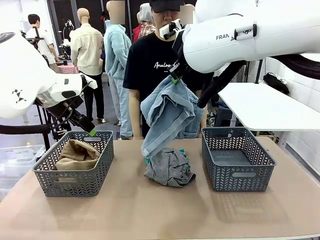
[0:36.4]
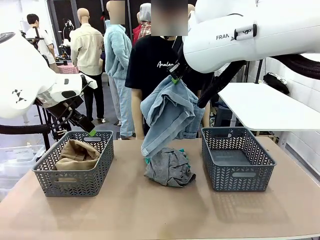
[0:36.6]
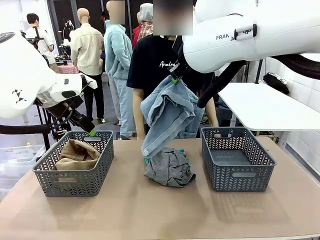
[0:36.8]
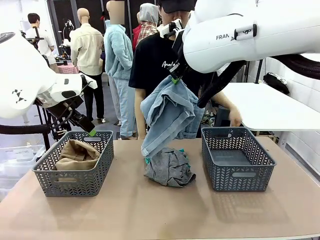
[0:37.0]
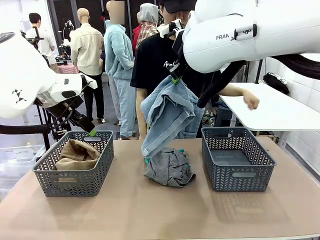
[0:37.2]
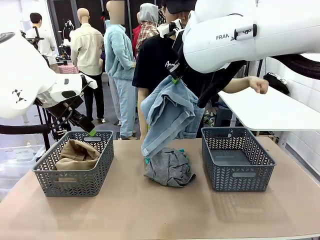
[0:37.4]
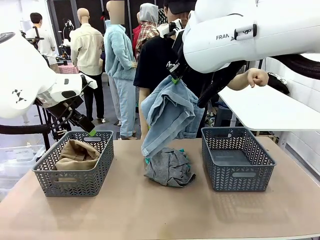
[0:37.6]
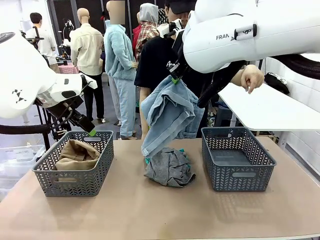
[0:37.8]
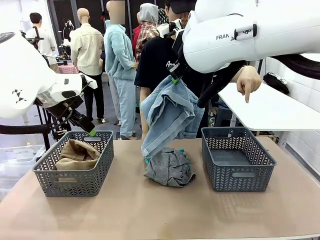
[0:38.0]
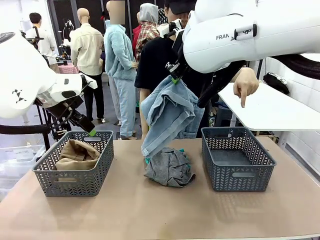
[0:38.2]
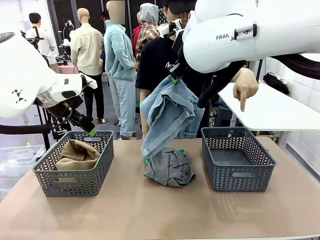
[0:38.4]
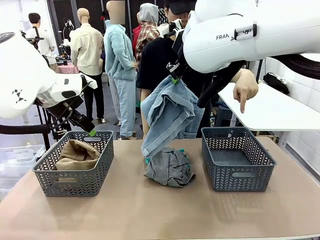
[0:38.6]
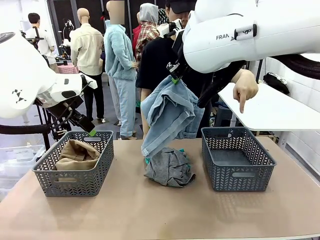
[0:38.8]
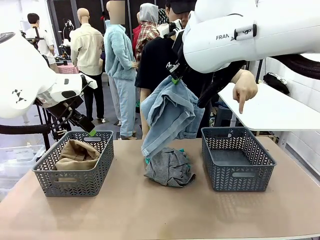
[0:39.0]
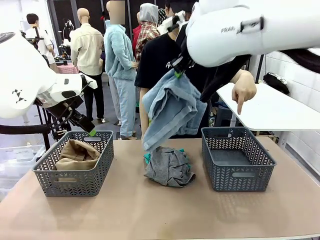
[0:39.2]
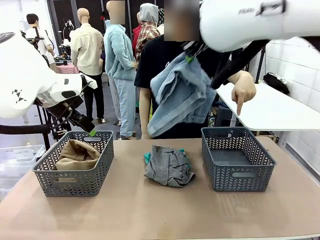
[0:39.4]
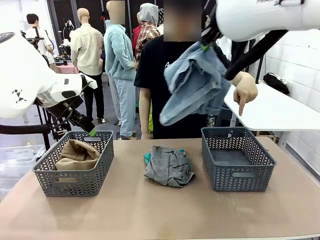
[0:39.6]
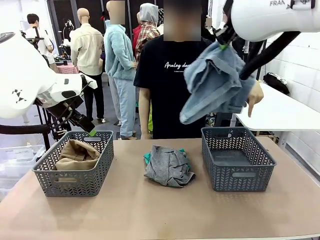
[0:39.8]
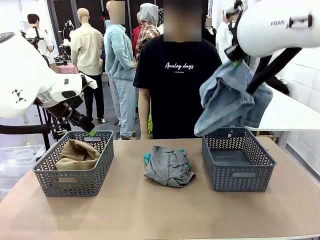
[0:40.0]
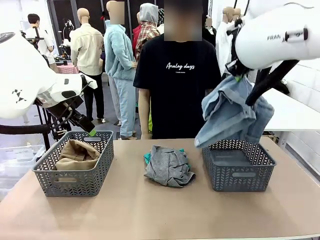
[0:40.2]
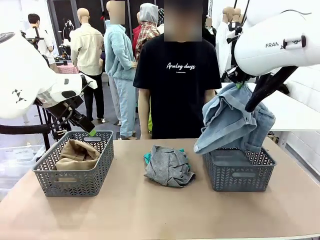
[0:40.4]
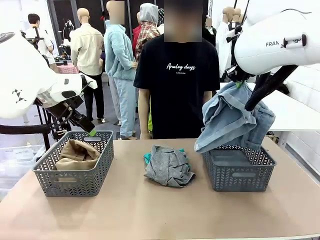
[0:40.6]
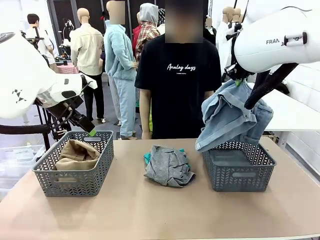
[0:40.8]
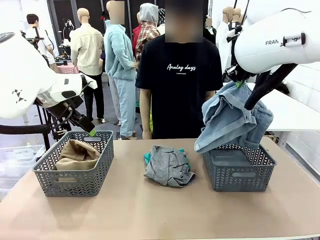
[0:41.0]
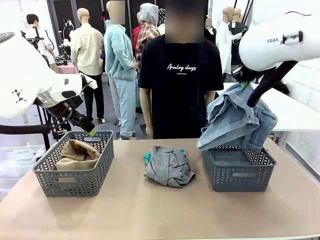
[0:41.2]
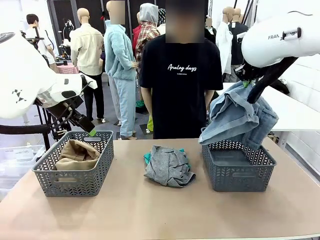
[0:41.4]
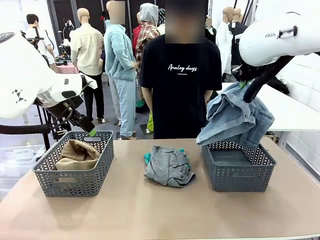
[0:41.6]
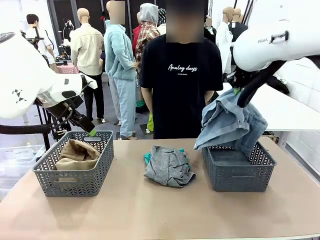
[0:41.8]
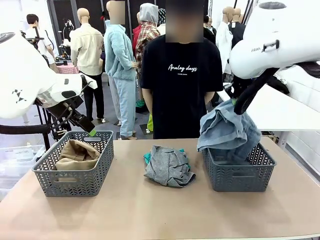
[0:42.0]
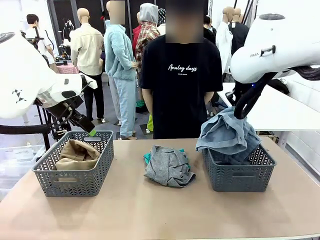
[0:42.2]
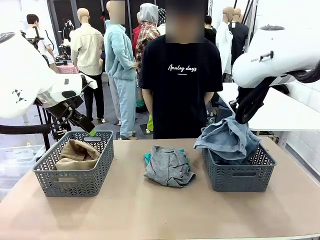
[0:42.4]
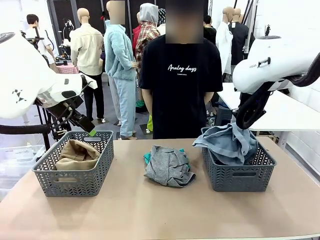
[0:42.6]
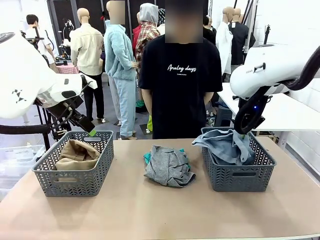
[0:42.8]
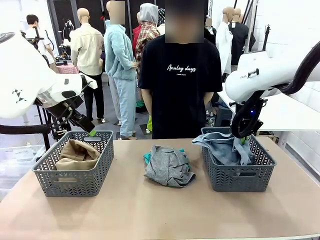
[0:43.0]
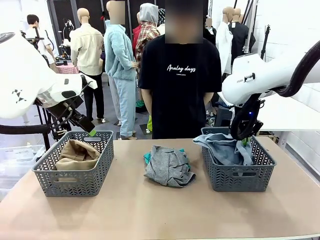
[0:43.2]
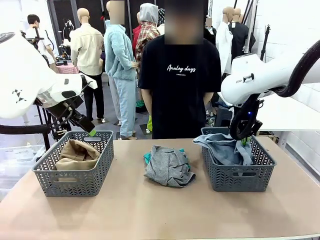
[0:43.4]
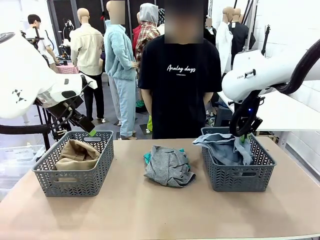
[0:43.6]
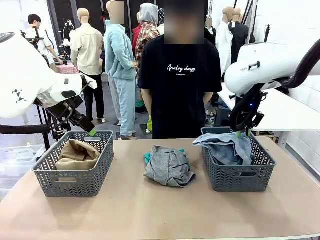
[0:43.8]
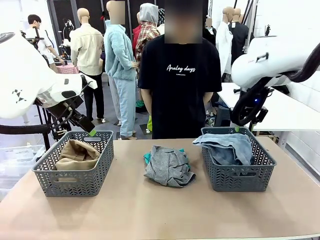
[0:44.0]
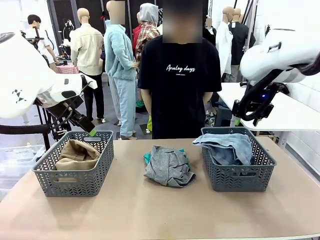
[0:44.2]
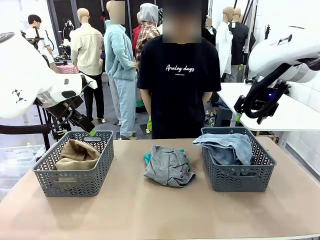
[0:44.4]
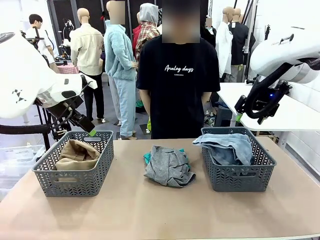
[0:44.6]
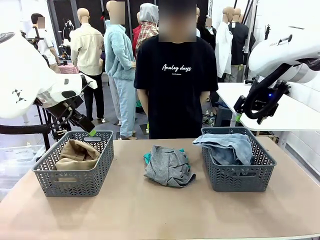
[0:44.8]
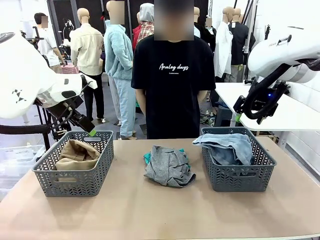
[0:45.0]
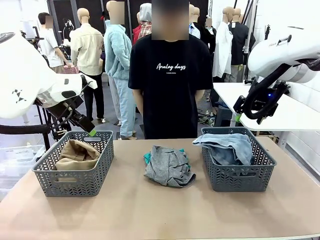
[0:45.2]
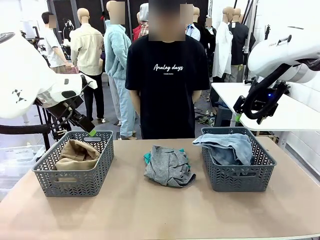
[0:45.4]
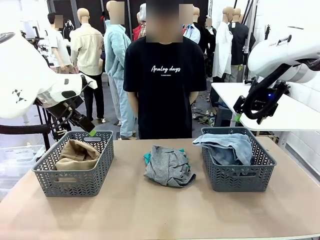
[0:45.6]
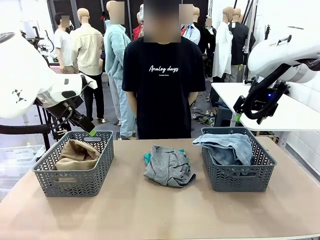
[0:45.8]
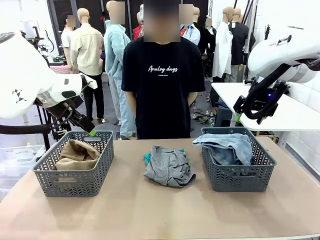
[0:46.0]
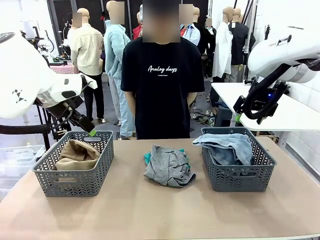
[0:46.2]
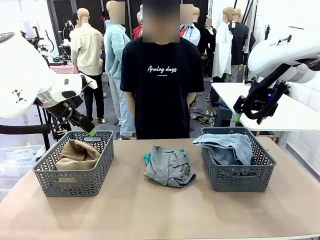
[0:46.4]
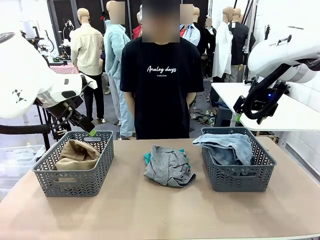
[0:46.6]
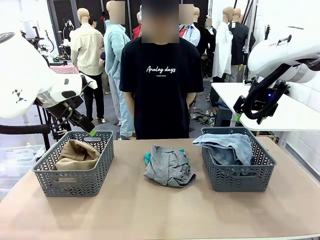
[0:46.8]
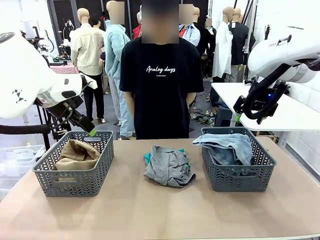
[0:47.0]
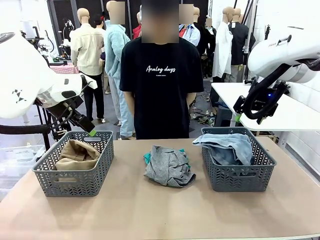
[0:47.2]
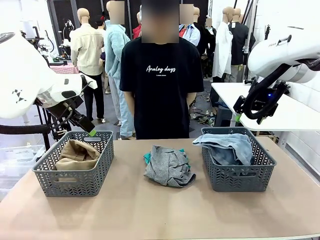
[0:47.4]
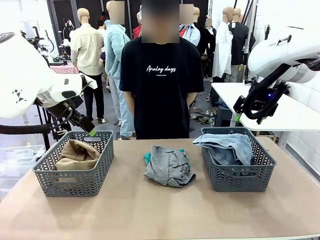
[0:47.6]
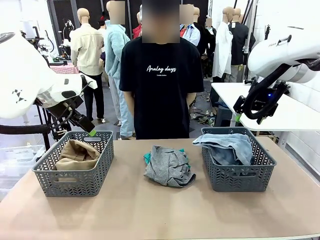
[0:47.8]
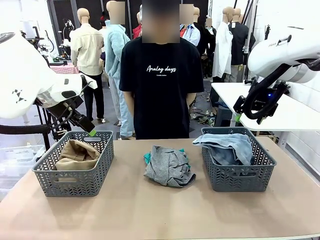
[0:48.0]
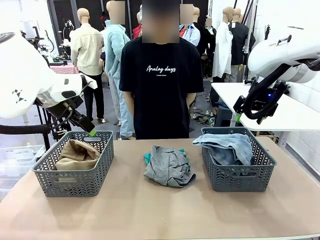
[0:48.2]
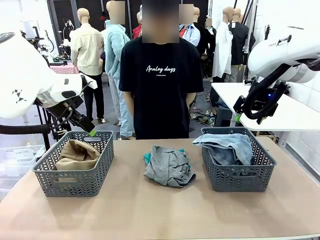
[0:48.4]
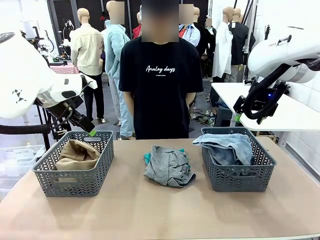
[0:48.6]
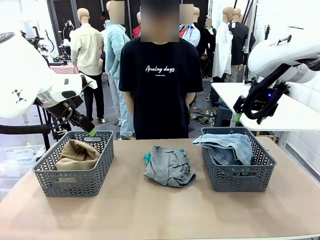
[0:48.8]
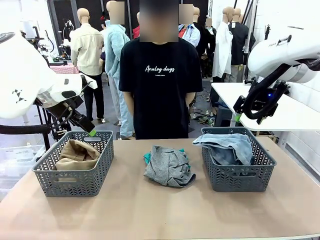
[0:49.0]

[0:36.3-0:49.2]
Task: Sort the tops and bottoms.
Robot: Sort the clothes according to human instructions.

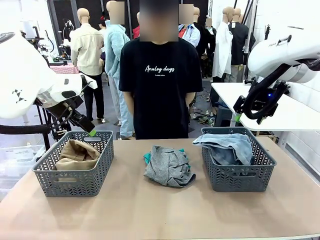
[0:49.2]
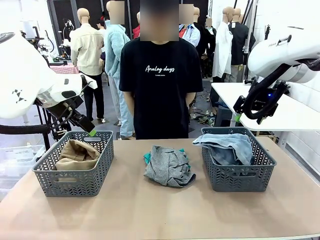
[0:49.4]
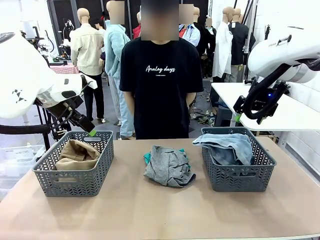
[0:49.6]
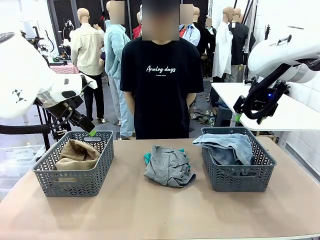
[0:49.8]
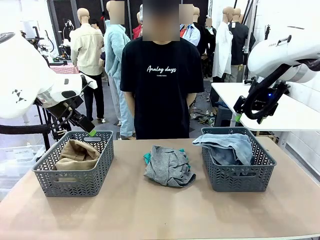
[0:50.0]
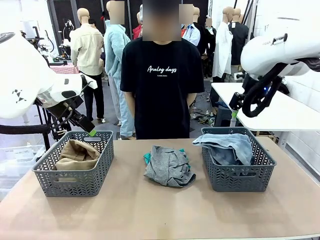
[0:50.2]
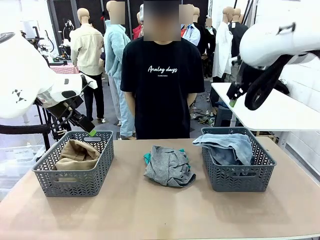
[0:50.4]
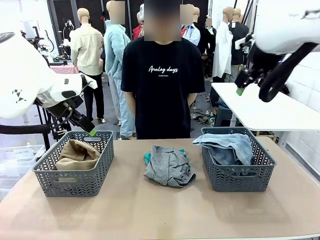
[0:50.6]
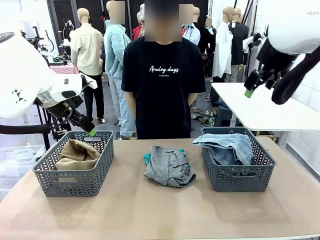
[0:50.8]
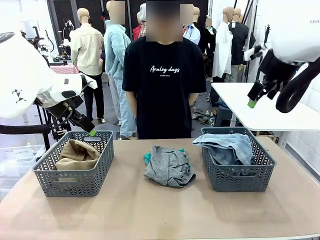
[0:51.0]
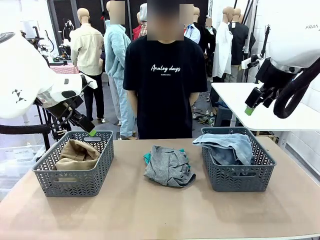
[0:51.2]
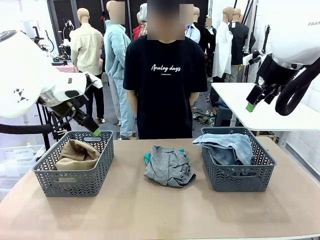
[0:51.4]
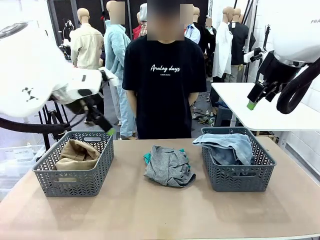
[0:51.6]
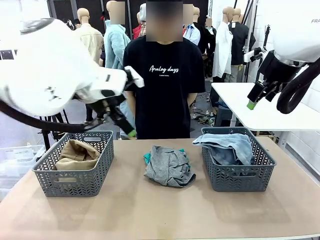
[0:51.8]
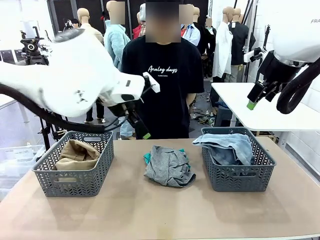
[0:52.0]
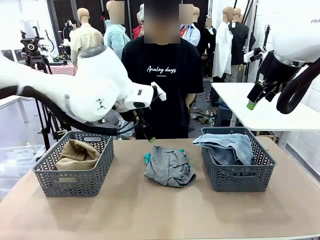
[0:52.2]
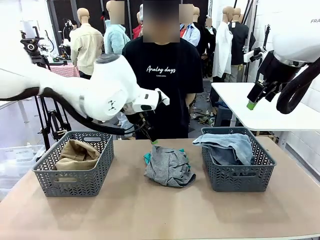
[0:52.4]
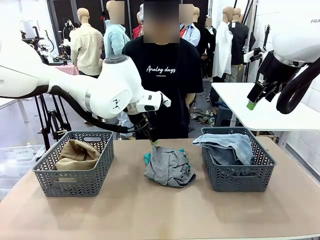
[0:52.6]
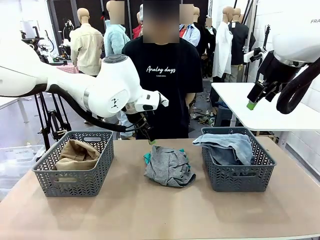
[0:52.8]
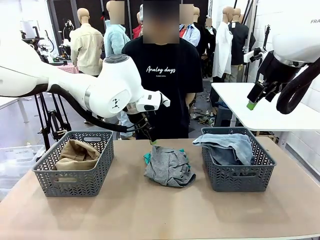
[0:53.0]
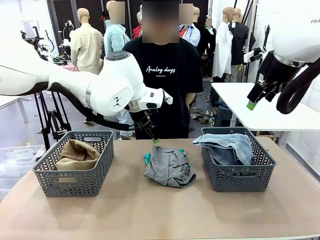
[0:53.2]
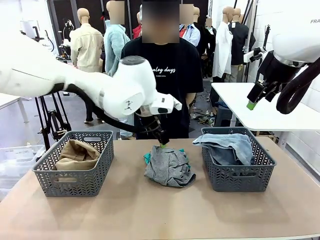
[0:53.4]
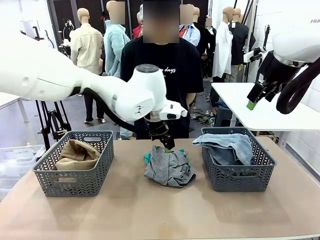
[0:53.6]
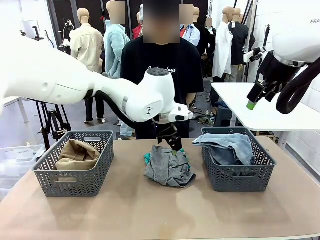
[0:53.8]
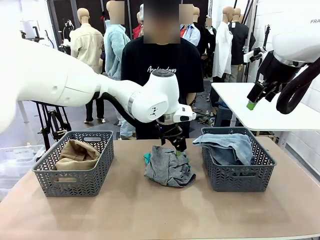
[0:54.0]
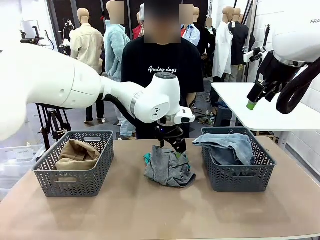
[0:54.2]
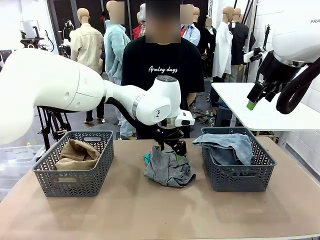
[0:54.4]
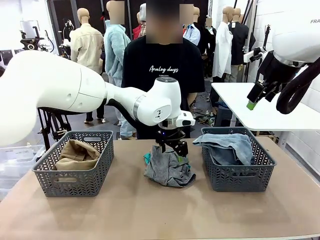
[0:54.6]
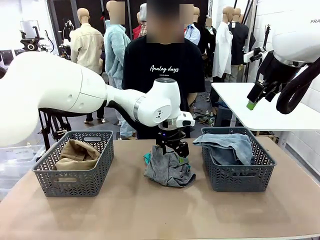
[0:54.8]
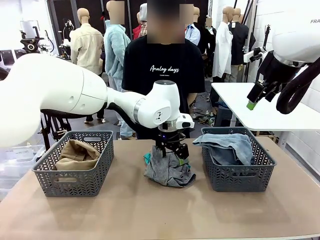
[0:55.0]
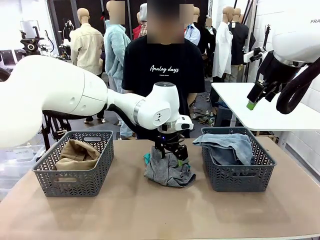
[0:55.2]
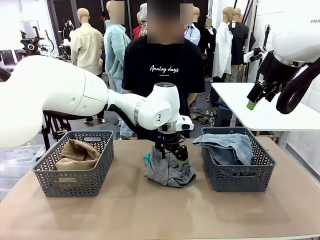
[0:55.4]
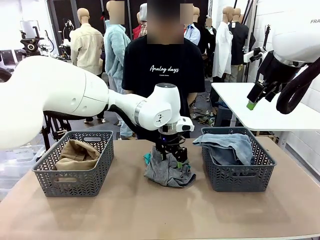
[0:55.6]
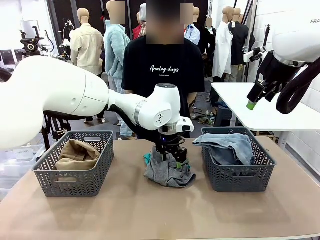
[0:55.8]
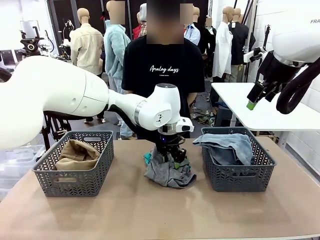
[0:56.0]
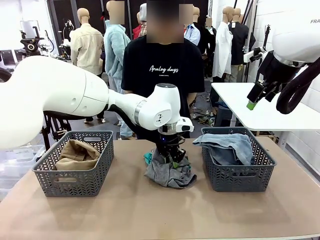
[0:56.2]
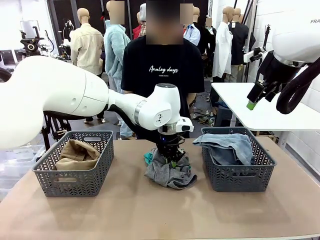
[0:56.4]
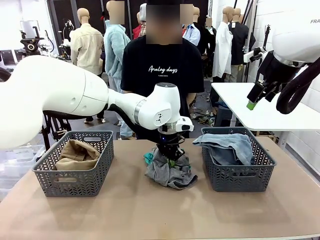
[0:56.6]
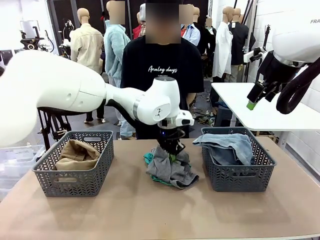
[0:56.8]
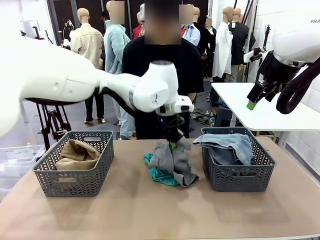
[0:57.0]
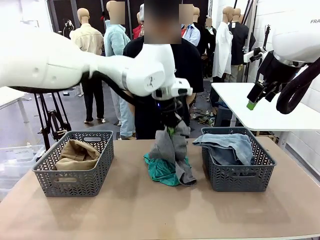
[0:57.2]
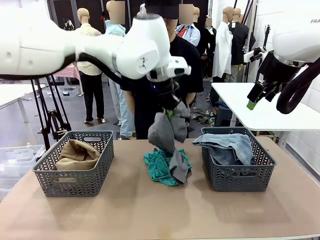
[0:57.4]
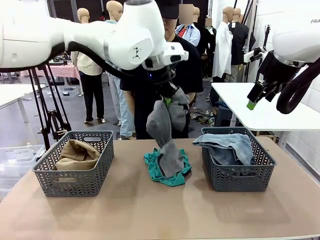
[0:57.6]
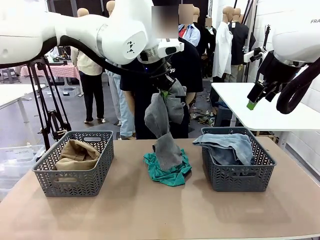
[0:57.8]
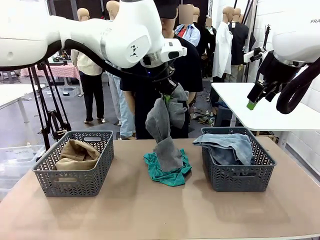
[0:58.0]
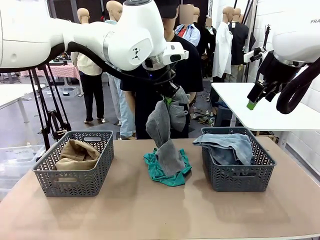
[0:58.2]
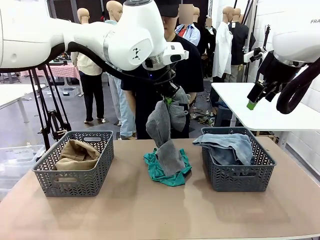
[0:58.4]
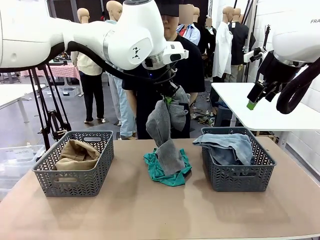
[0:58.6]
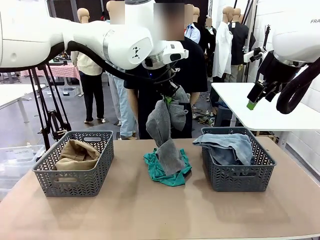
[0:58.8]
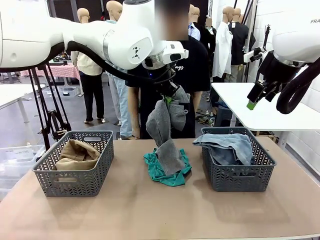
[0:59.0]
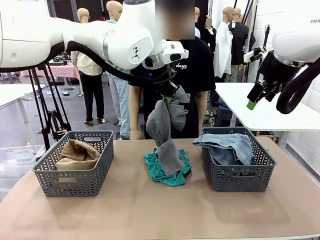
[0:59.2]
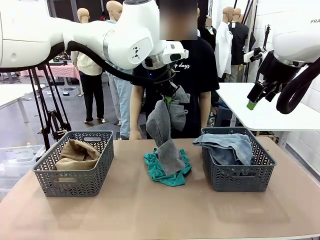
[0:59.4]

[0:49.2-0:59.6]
Robot: Lift clothes from the center of the table with your left hand.
